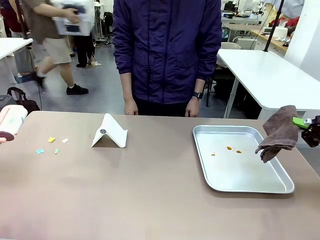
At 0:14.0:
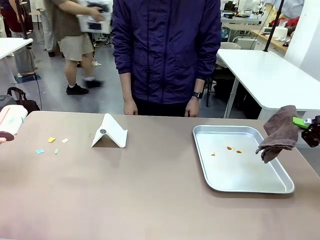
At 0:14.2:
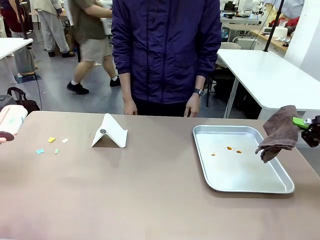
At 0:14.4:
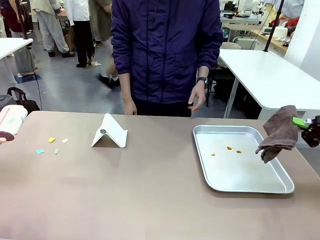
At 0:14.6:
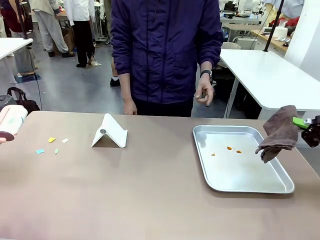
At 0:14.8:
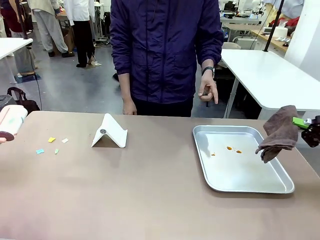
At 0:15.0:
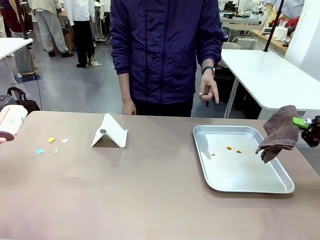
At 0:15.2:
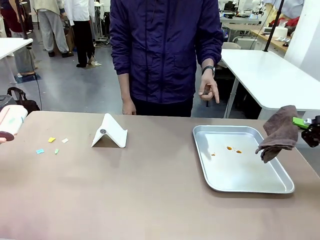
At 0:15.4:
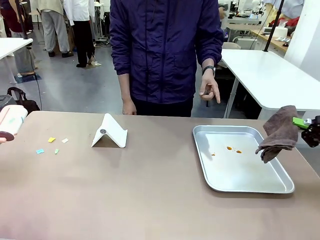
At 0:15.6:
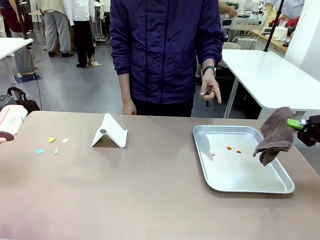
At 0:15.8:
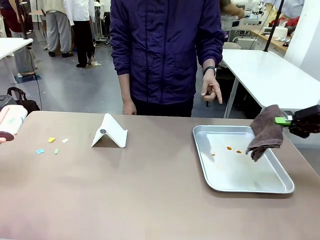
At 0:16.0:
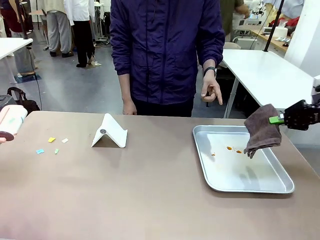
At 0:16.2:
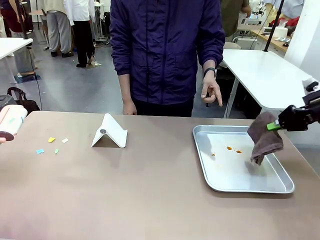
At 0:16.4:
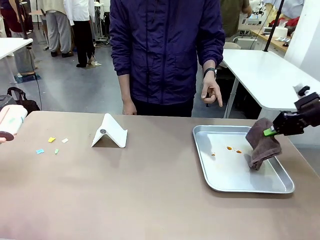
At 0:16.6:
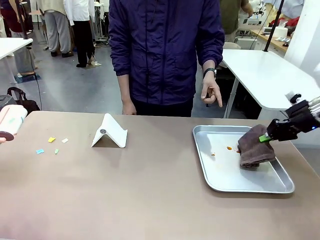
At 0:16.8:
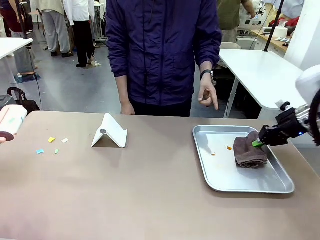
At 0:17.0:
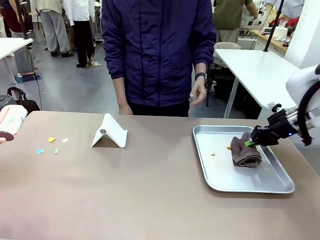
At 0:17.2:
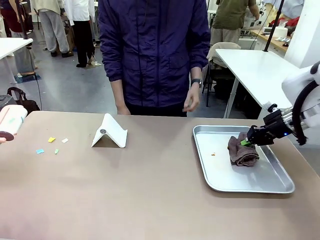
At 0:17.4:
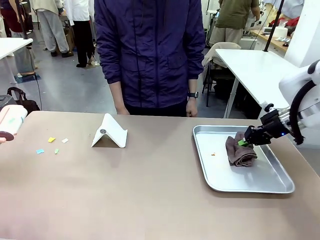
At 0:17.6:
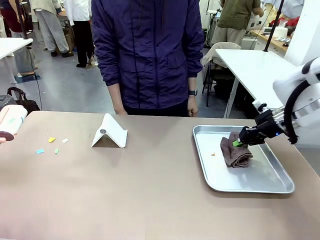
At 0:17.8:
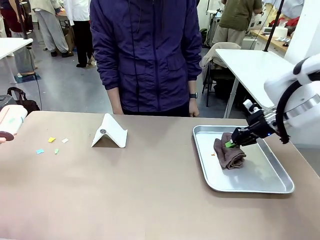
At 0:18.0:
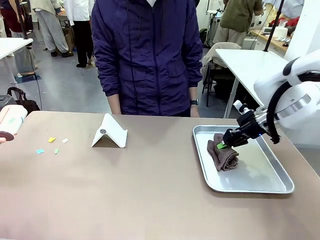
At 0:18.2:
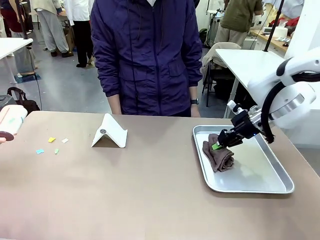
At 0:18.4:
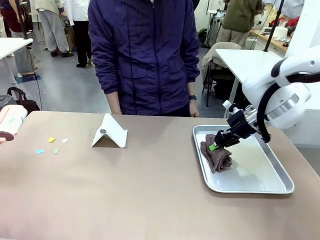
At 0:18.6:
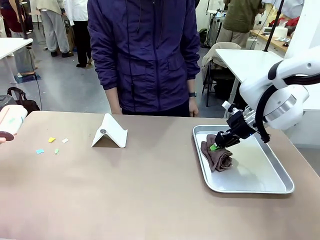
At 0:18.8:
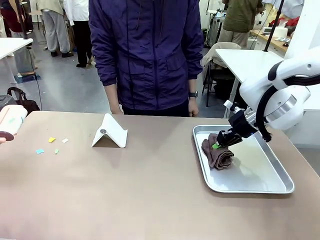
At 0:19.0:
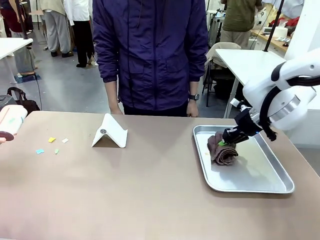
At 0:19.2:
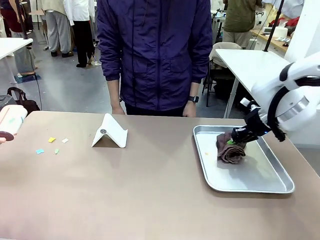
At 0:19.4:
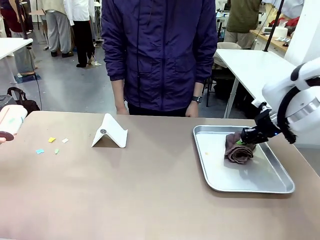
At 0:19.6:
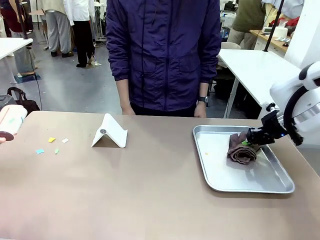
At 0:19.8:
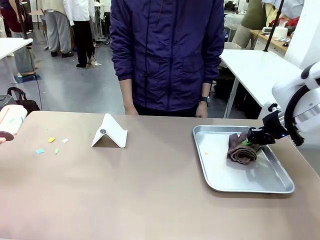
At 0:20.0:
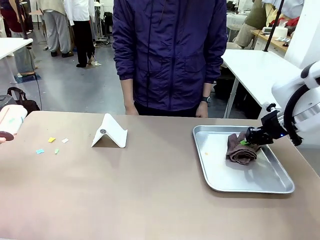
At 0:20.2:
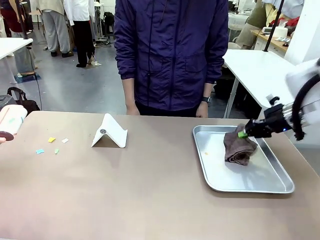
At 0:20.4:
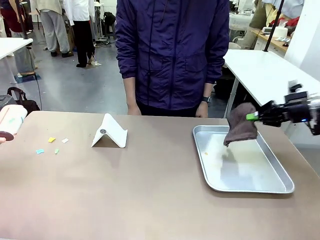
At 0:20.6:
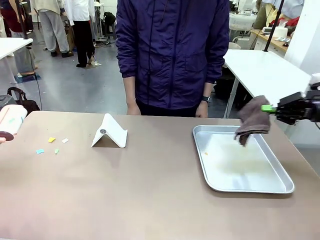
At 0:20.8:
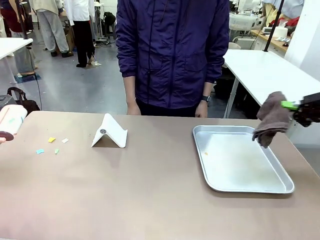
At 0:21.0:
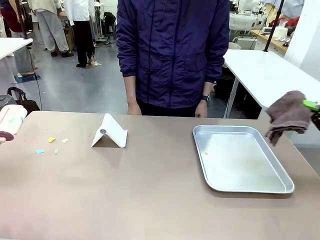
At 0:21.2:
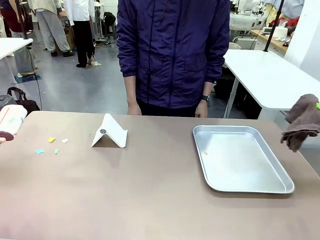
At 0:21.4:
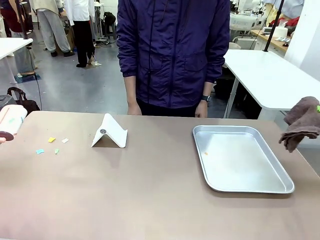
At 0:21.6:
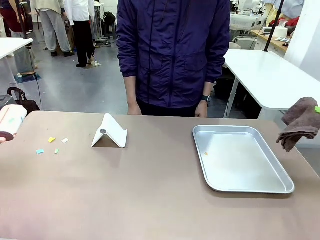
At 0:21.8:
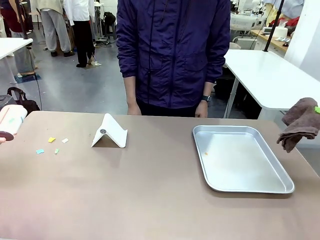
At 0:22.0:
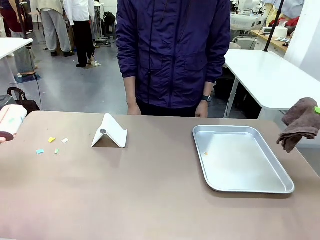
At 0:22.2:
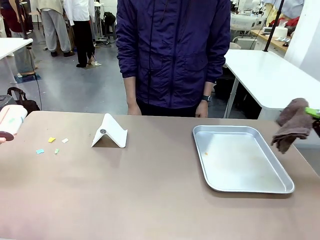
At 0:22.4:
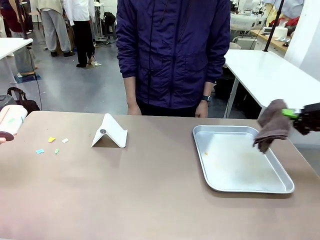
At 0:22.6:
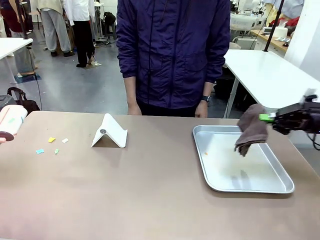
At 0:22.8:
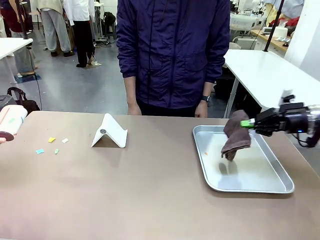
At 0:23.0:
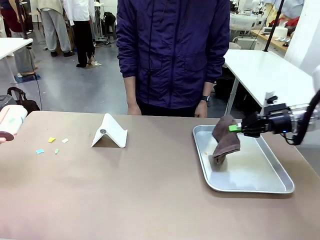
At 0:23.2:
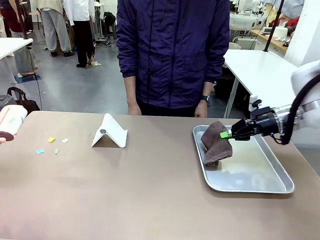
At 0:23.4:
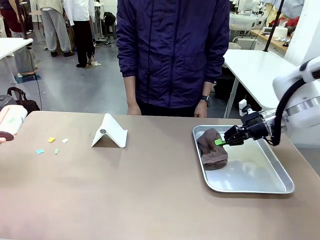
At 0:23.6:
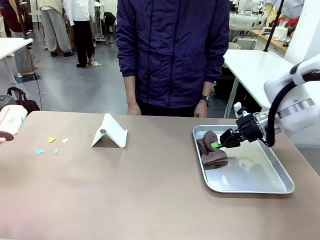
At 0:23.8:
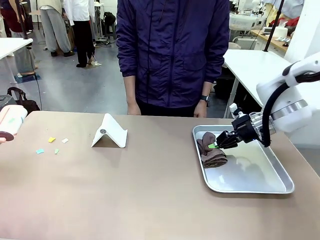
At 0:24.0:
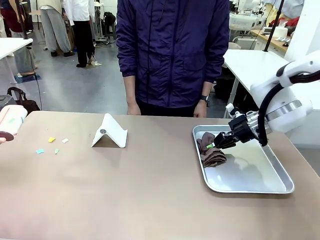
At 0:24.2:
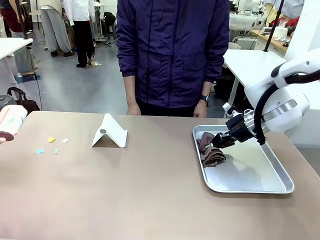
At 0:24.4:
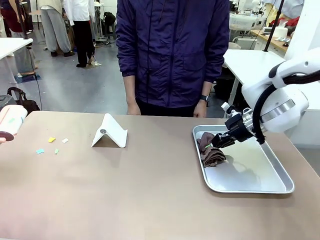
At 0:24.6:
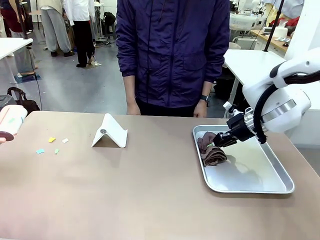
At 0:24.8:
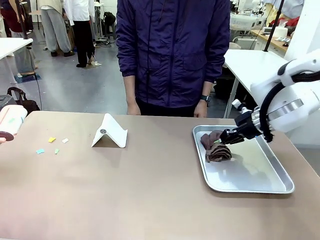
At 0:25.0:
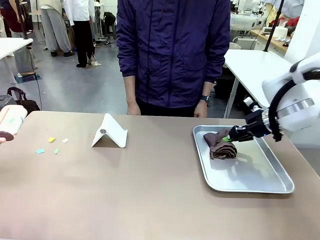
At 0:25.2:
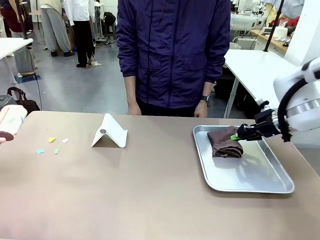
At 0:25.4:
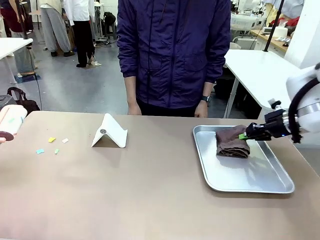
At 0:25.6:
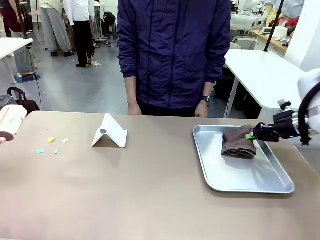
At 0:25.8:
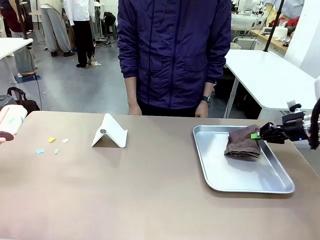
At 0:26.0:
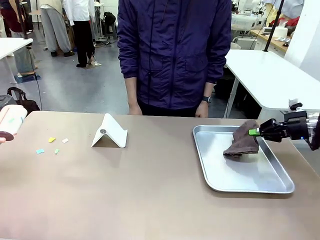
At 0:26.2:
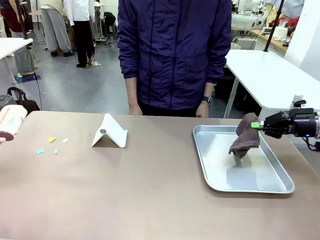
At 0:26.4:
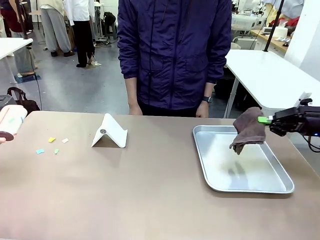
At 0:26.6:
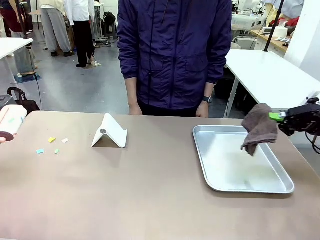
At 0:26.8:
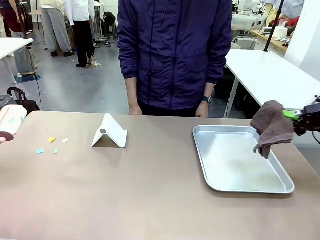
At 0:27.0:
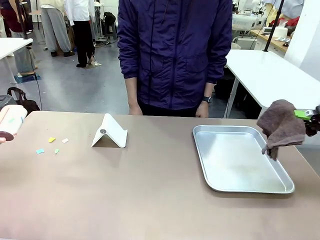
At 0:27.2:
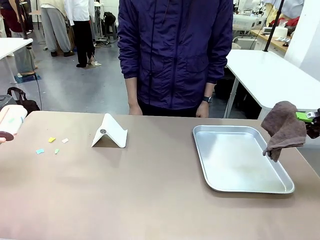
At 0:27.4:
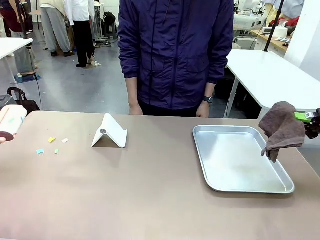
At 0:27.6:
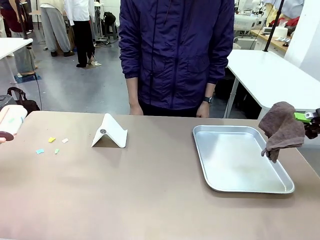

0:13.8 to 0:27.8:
Task: Clean the surface of the table.
Robot: If a person points to the right, clean the right side of the table with your right hand, and if they point to the left, clean the left side with your left hand.

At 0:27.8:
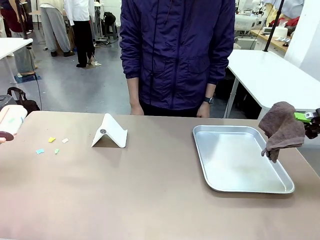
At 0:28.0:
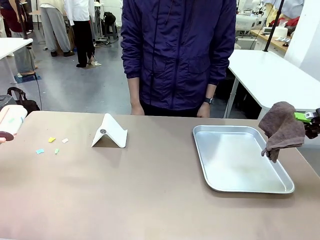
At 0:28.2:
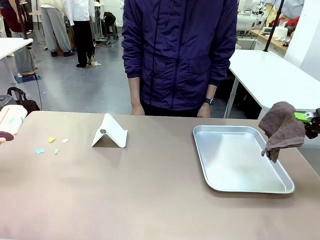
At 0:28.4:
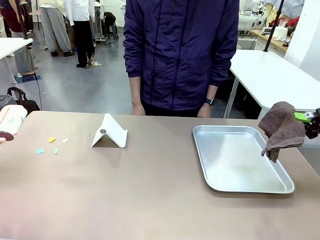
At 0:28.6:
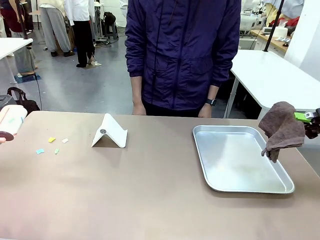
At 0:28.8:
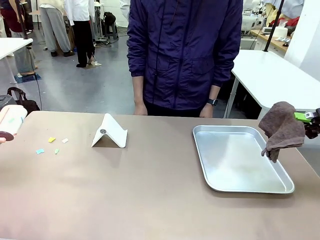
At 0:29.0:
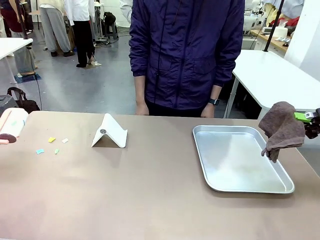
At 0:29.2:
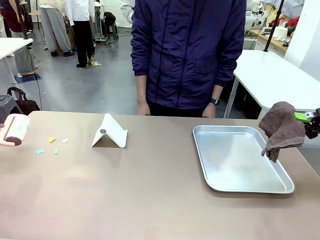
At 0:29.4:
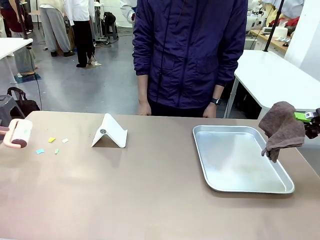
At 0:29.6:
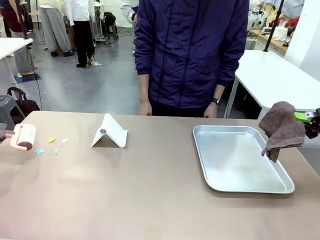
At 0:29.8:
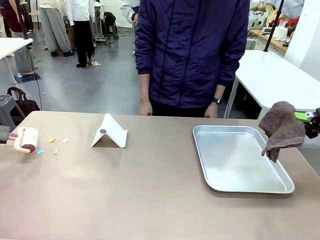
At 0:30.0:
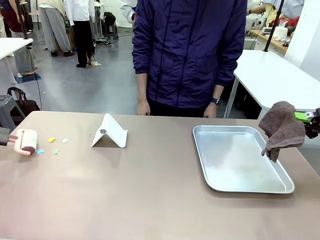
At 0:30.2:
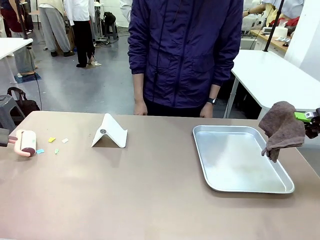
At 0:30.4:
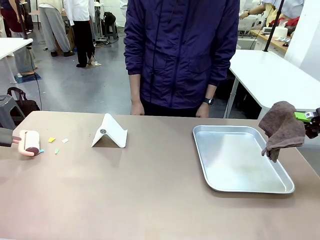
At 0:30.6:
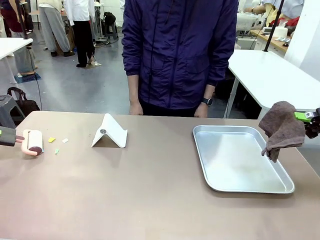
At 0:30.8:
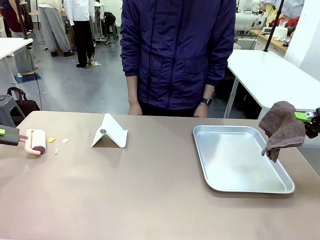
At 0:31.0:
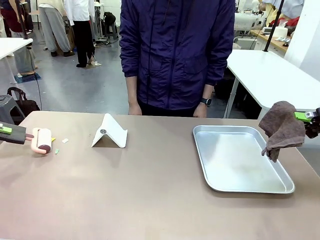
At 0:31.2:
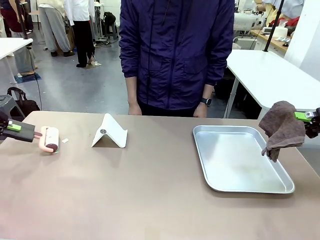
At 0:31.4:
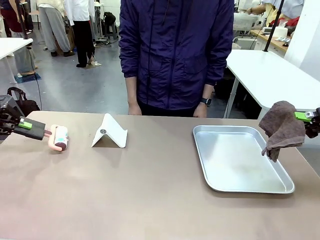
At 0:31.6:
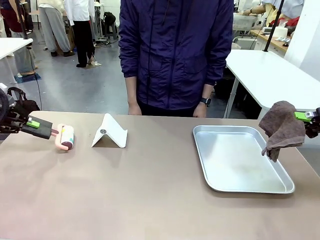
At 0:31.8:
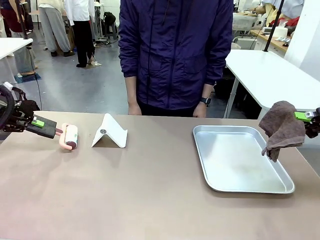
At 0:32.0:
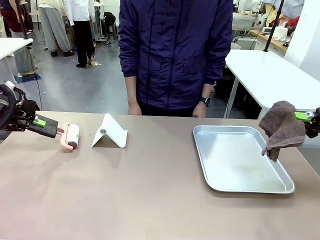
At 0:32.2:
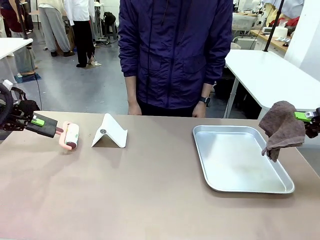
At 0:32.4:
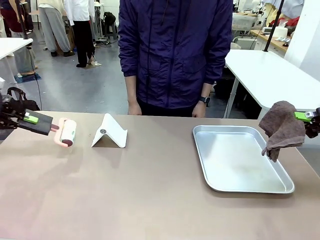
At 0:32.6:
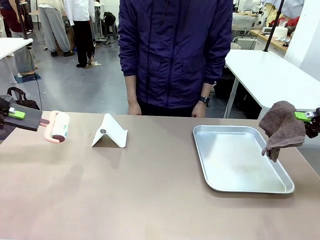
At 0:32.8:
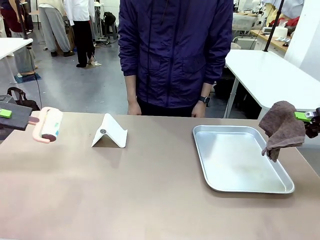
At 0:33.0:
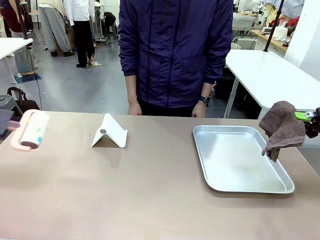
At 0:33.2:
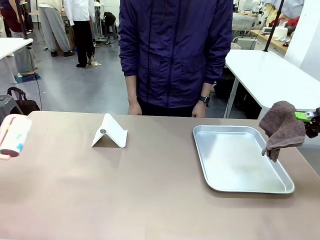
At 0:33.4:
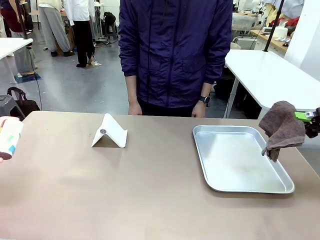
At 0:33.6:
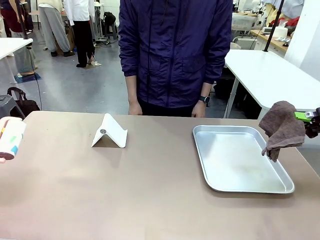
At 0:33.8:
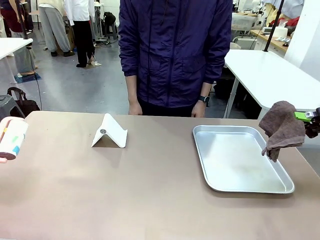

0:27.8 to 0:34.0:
Robot: Clean the area not pointed to by the person.
